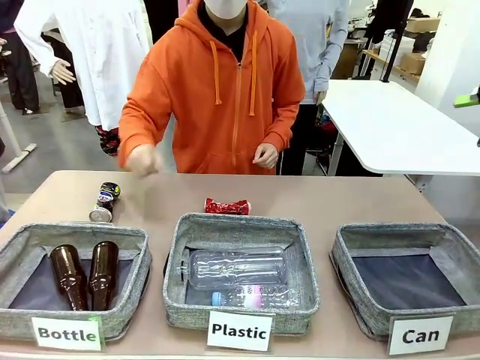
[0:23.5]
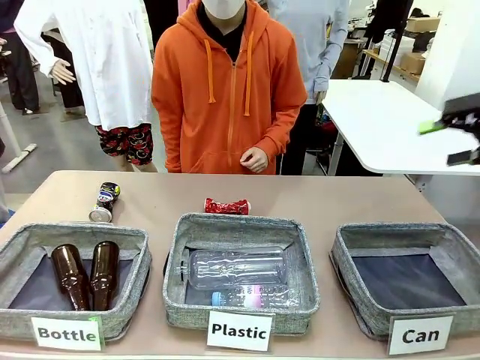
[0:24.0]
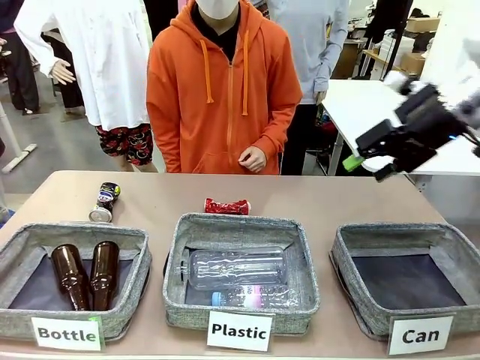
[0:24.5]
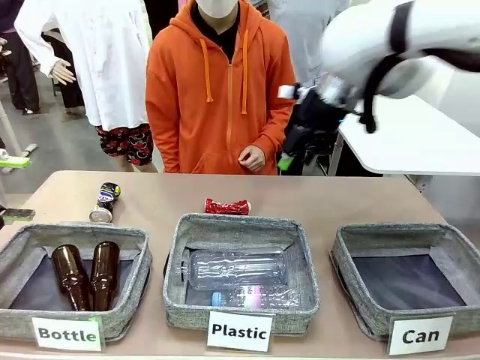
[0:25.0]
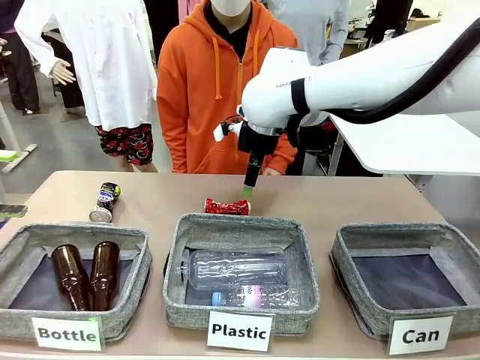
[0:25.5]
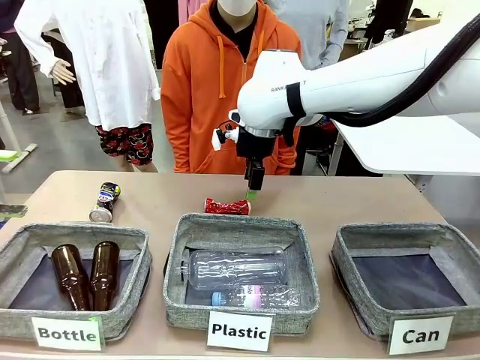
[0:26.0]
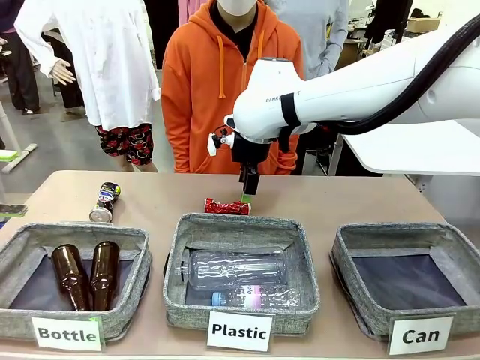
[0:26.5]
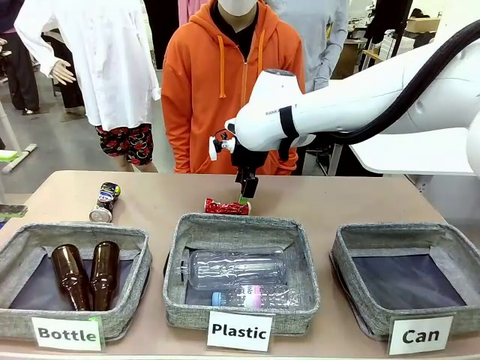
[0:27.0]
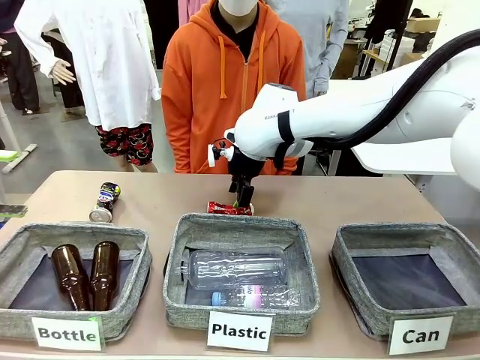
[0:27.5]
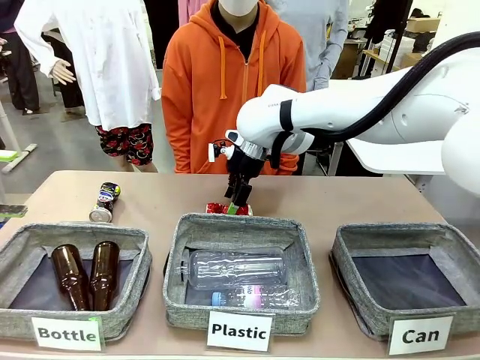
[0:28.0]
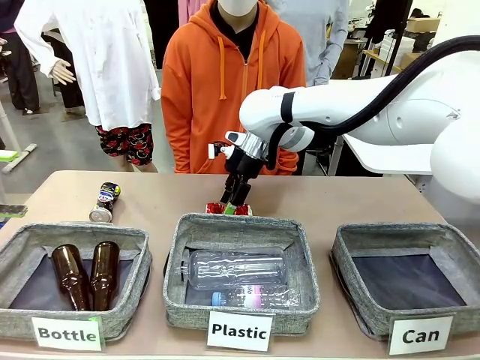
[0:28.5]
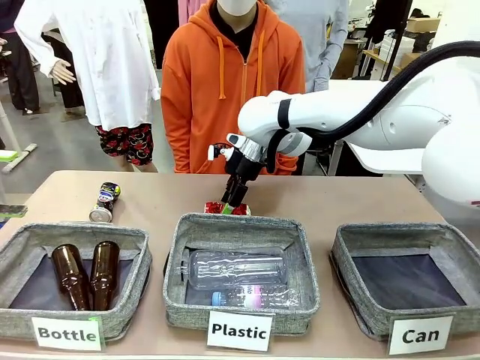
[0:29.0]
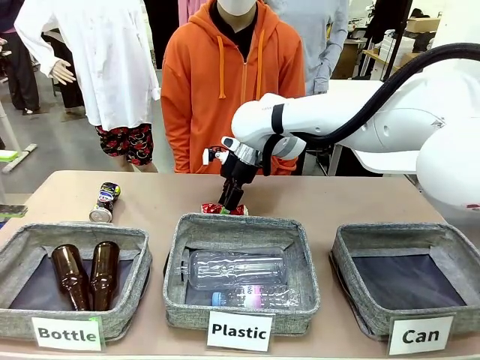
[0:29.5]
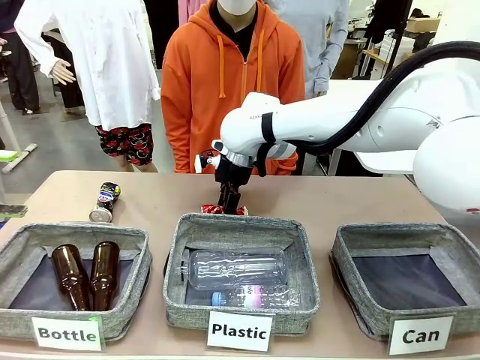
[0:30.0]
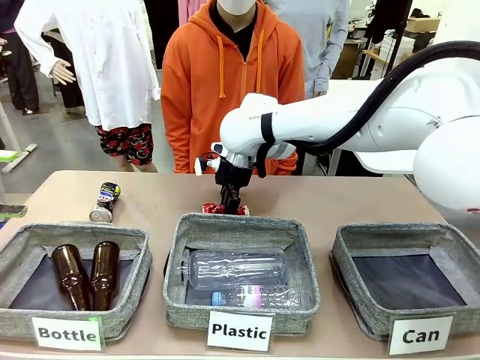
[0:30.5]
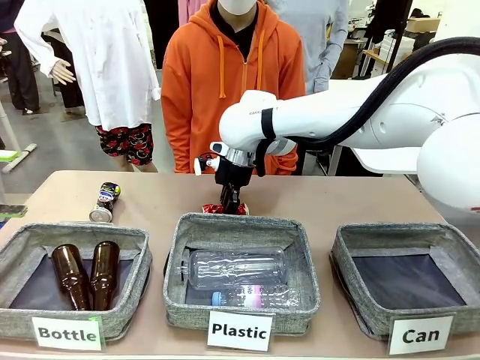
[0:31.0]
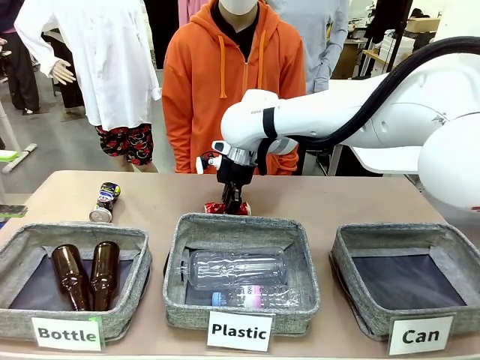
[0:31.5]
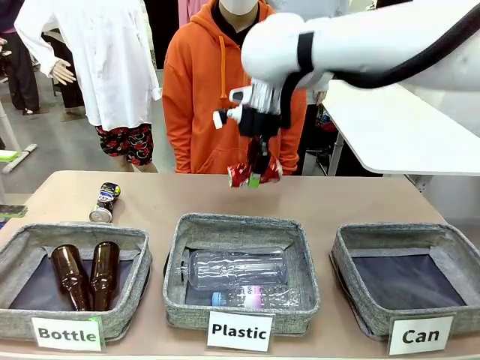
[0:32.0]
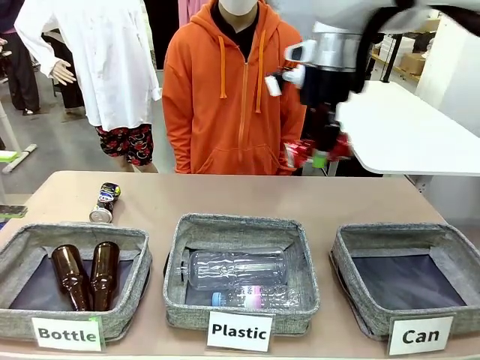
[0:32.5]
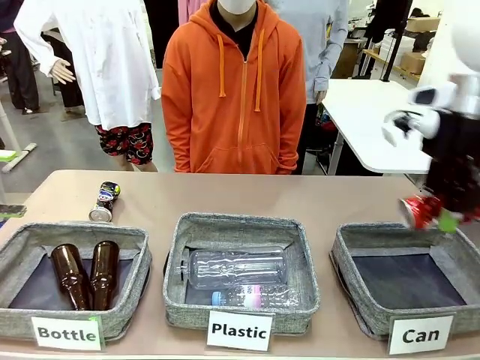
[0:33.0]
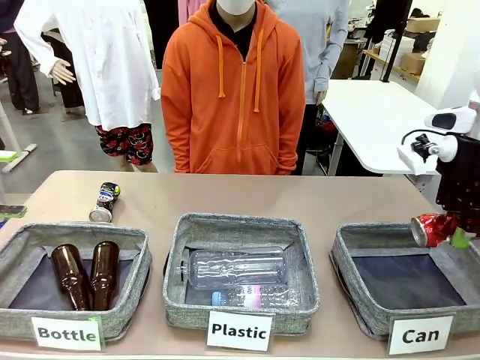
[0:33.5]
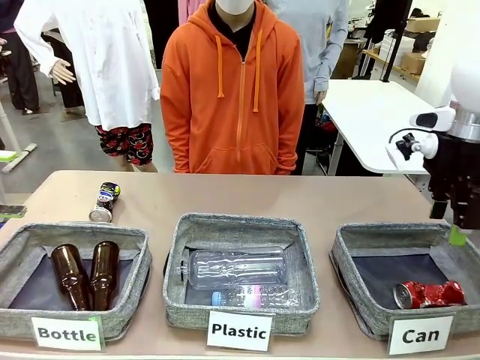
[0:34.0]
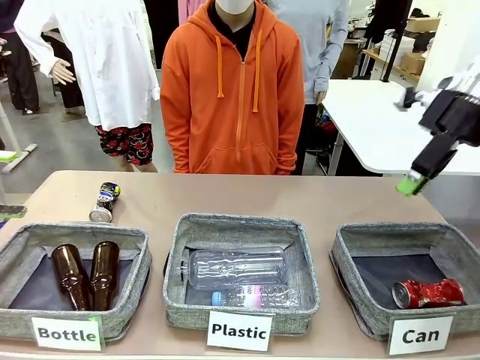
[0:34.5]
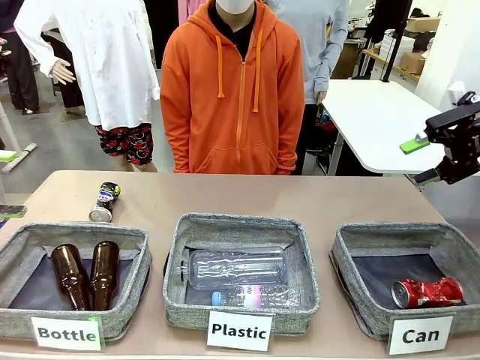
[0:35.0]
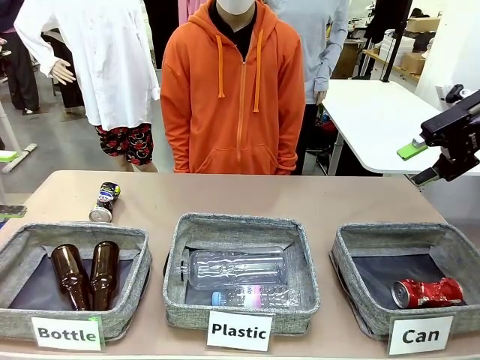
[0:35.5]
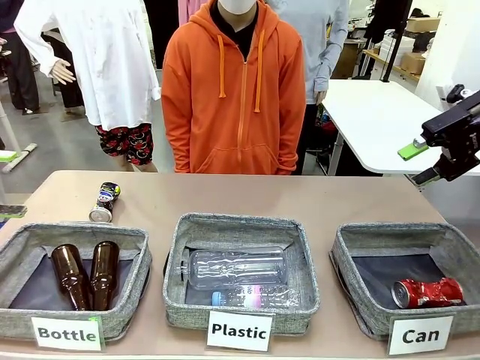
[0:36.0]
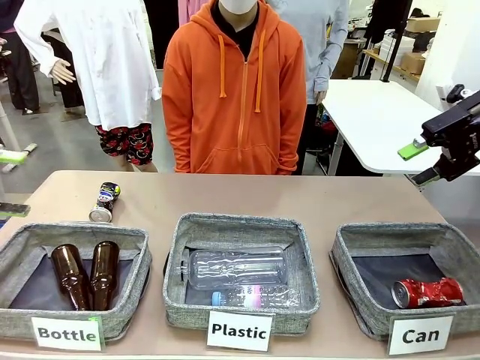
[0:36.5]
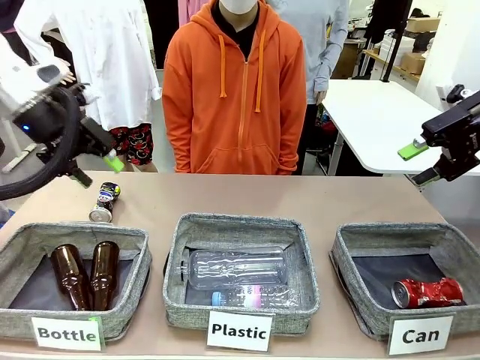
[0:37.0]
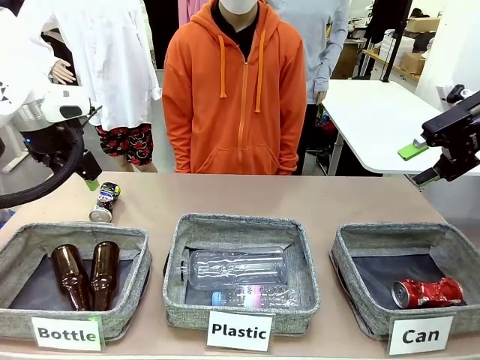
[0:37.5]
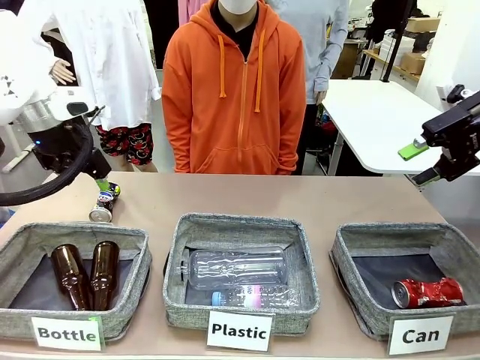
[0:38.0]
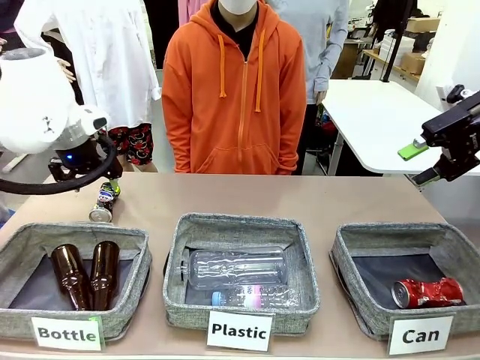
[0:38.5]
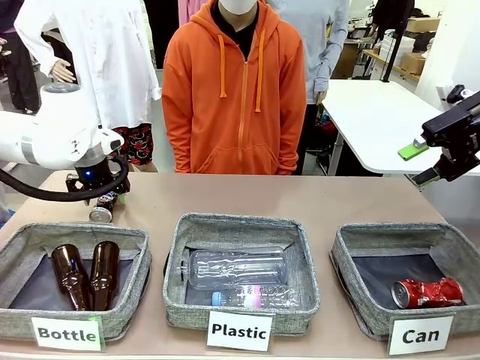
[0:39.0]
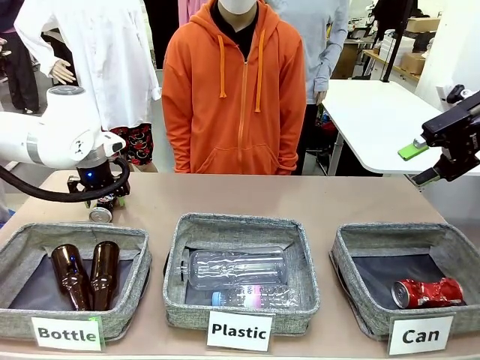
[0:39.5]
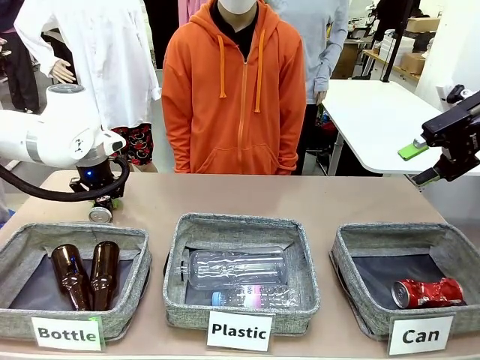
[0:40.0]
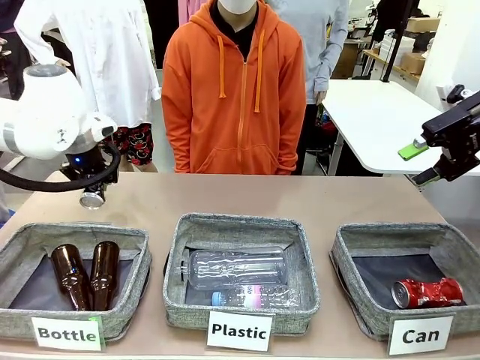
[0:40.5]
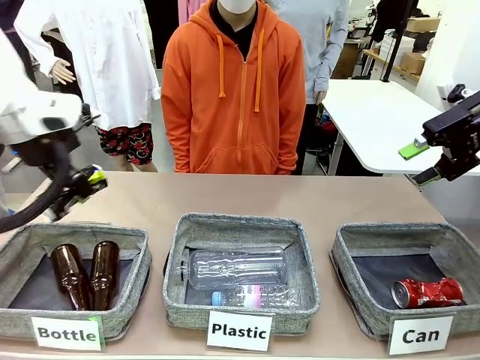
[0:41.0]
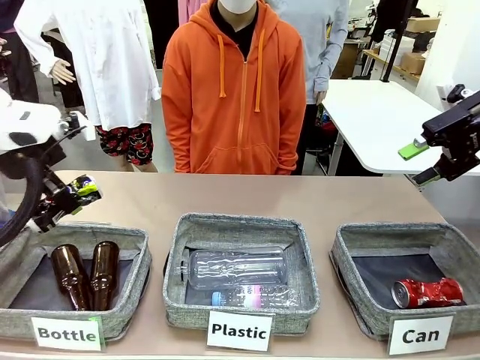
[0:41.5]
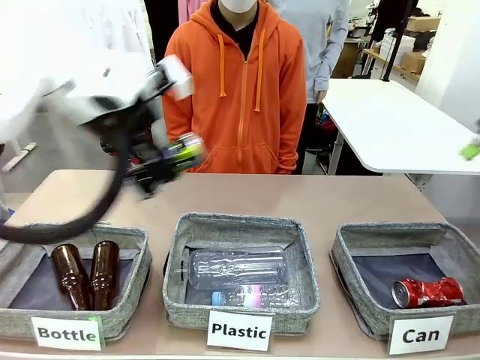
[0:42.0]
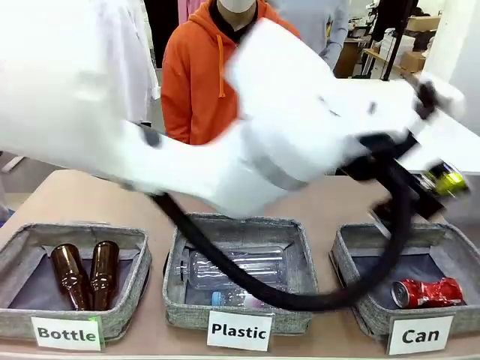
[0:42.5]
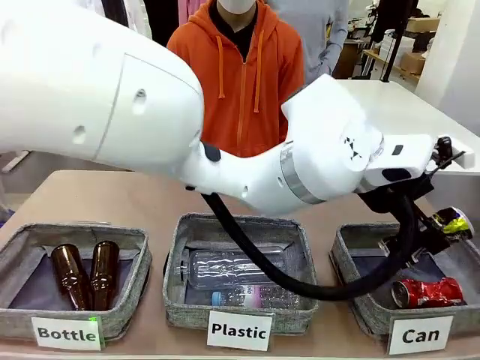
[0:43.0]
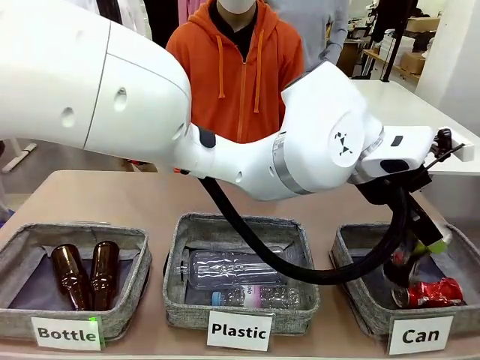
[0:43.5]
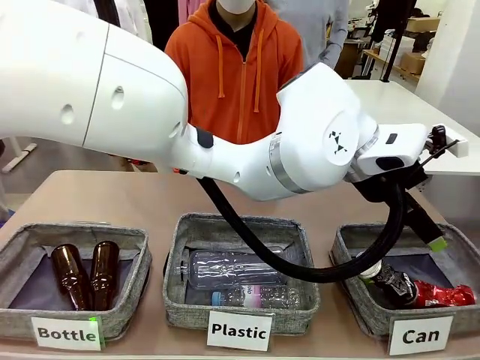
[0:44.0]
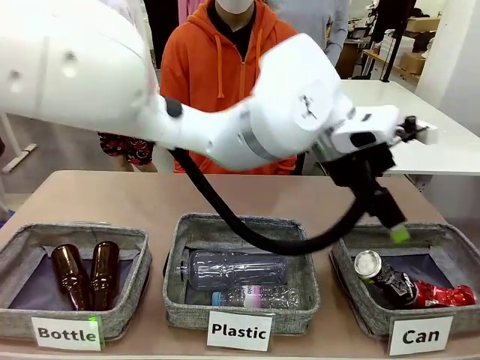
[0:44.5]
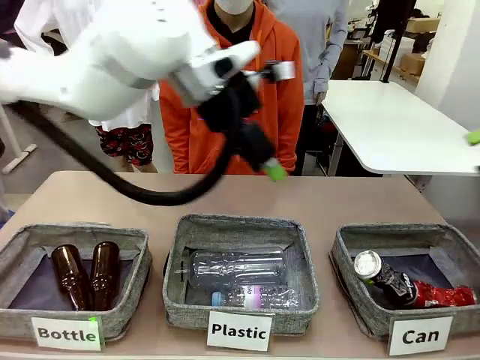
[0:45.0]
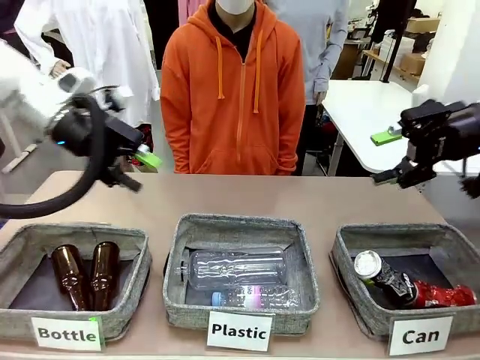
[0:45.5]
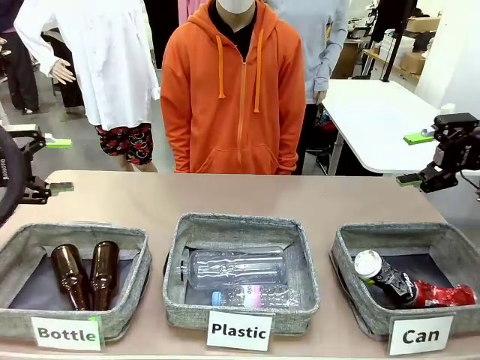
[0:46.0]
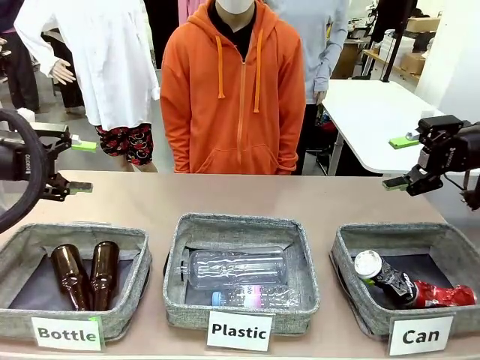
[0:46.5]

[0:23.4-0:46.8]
Task: Sort the can waste into the basket.
Robot: Pick up the can waste from the table and place it in the right Fabric basket.
